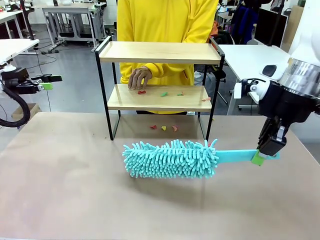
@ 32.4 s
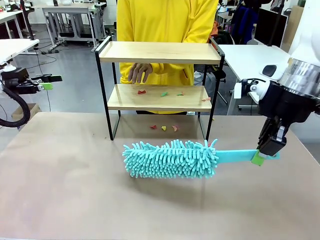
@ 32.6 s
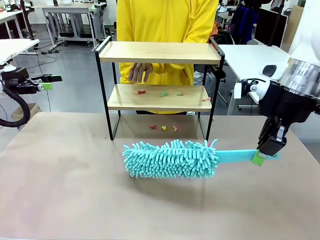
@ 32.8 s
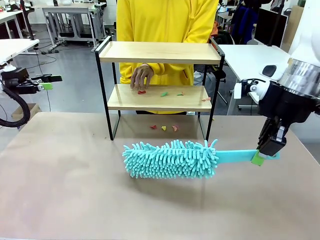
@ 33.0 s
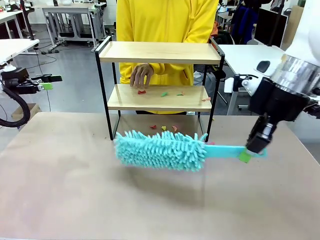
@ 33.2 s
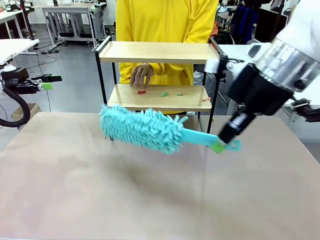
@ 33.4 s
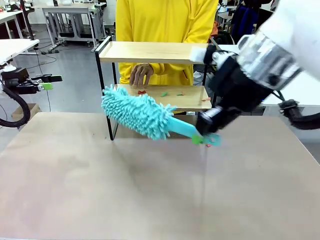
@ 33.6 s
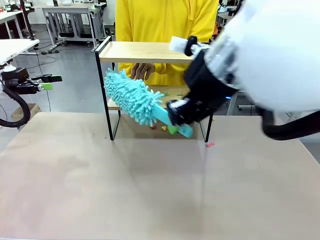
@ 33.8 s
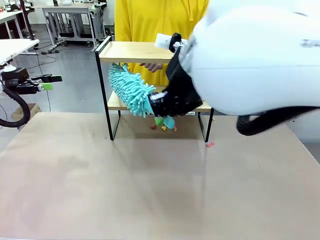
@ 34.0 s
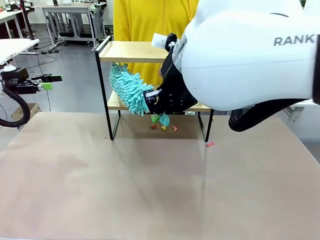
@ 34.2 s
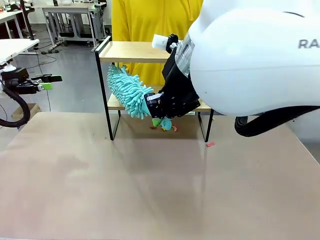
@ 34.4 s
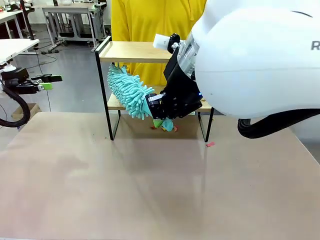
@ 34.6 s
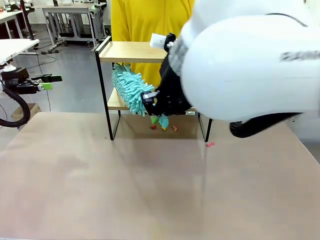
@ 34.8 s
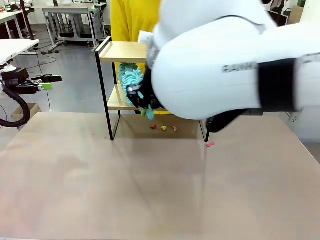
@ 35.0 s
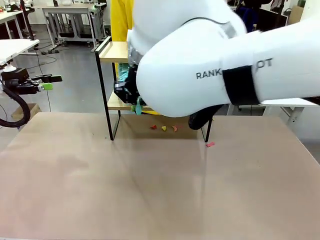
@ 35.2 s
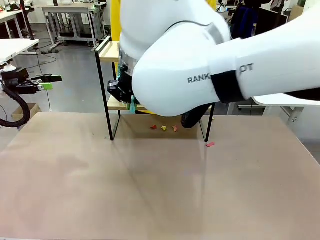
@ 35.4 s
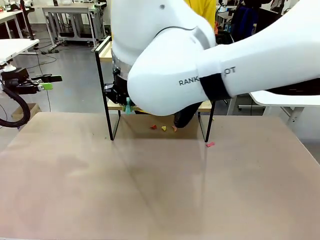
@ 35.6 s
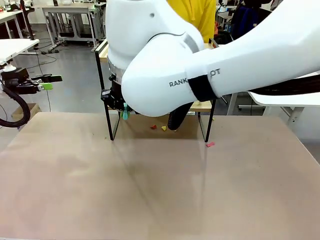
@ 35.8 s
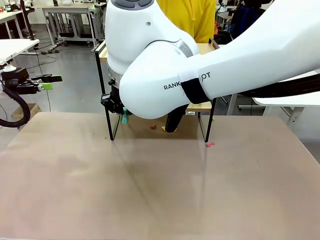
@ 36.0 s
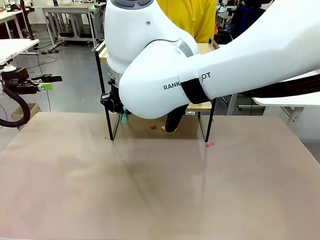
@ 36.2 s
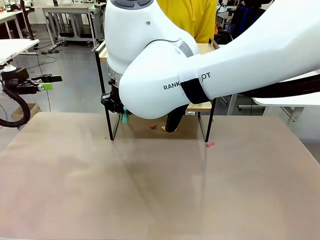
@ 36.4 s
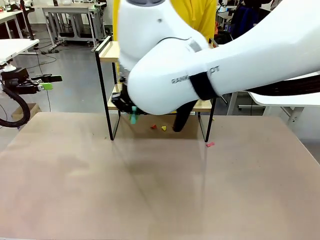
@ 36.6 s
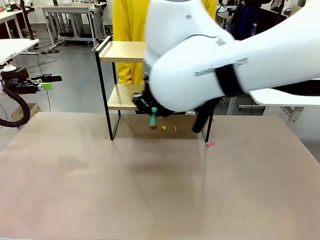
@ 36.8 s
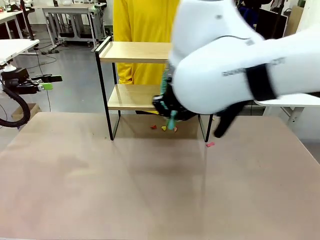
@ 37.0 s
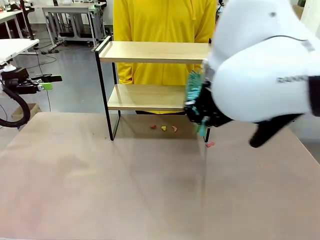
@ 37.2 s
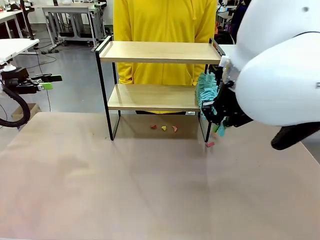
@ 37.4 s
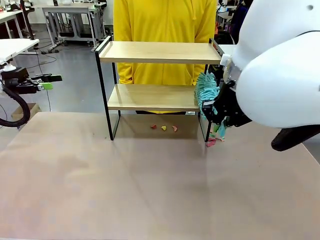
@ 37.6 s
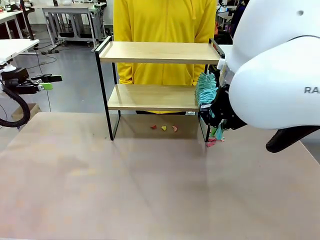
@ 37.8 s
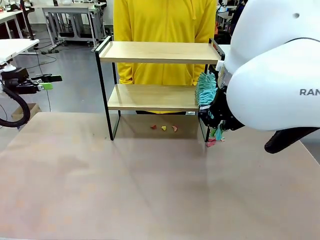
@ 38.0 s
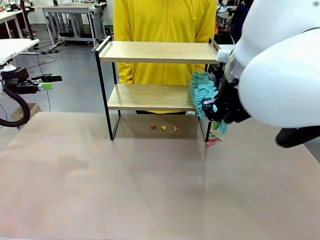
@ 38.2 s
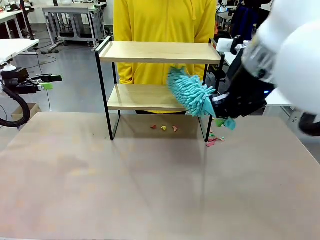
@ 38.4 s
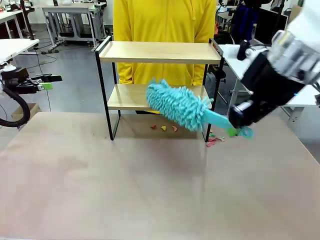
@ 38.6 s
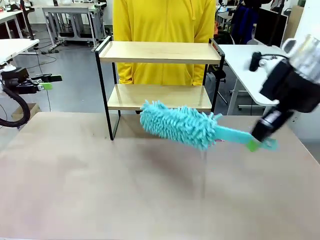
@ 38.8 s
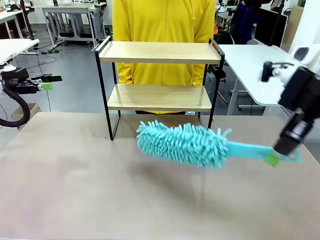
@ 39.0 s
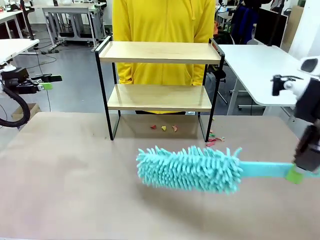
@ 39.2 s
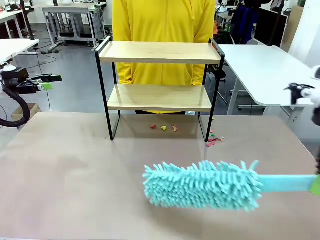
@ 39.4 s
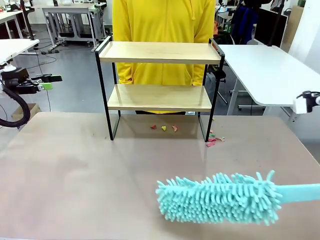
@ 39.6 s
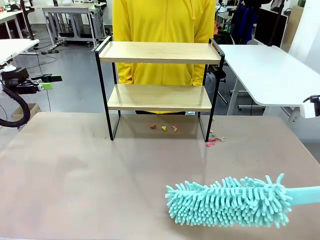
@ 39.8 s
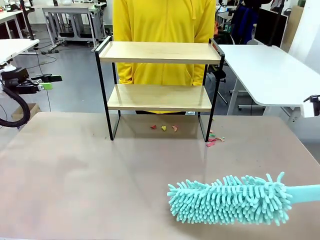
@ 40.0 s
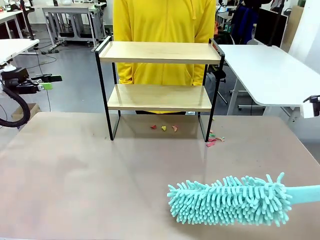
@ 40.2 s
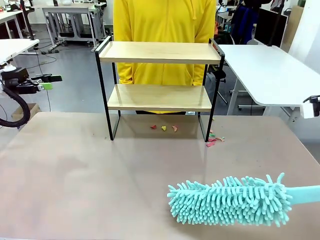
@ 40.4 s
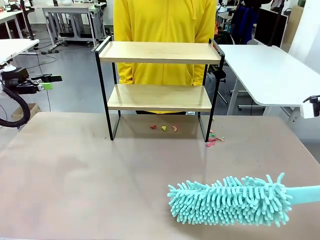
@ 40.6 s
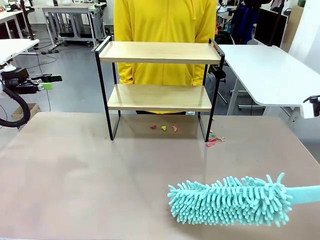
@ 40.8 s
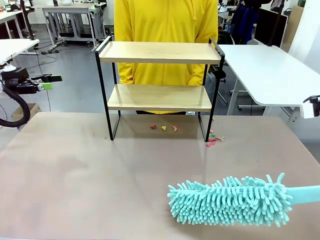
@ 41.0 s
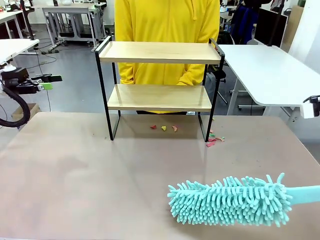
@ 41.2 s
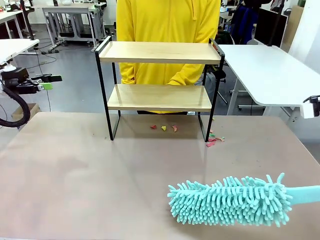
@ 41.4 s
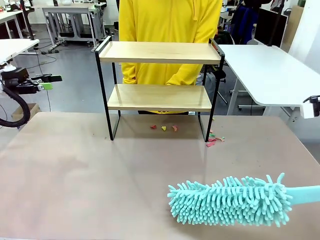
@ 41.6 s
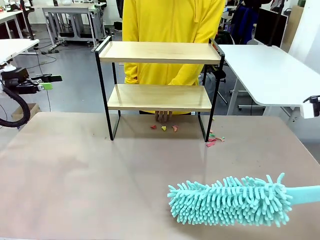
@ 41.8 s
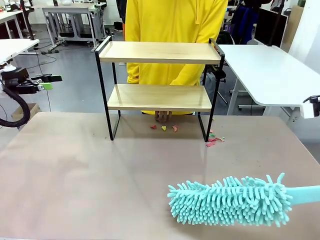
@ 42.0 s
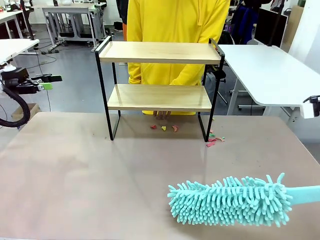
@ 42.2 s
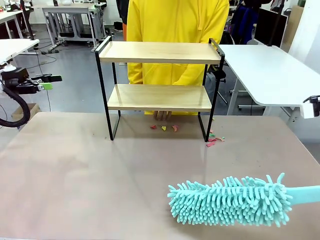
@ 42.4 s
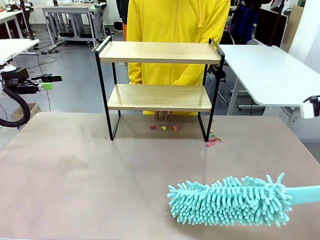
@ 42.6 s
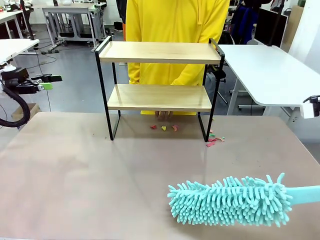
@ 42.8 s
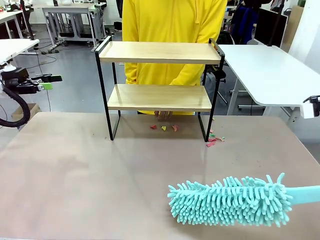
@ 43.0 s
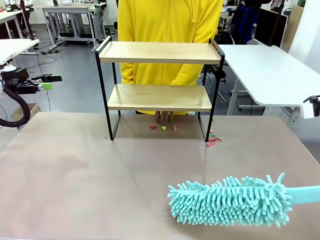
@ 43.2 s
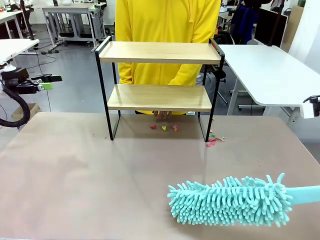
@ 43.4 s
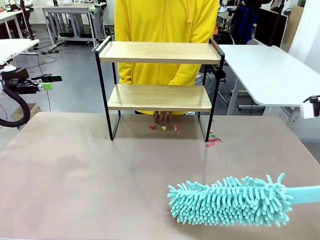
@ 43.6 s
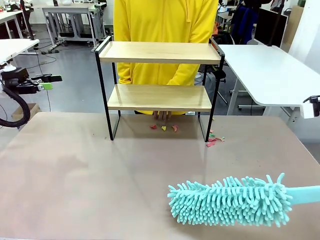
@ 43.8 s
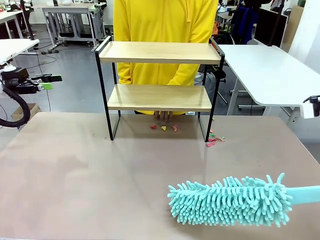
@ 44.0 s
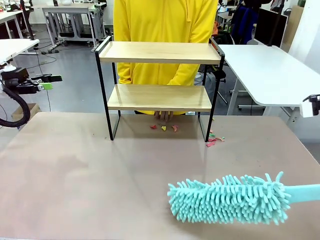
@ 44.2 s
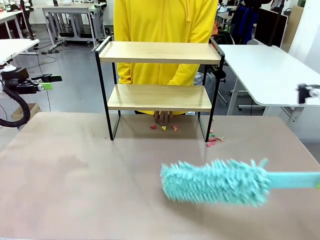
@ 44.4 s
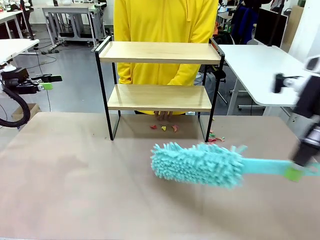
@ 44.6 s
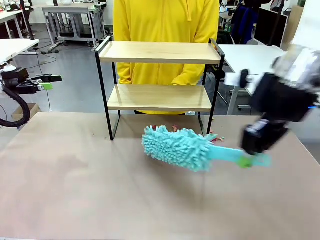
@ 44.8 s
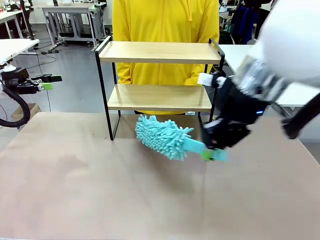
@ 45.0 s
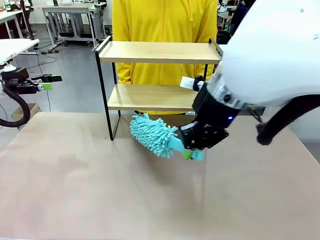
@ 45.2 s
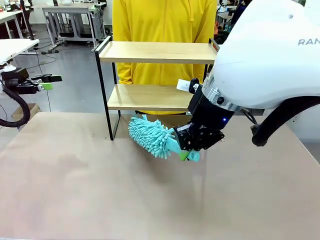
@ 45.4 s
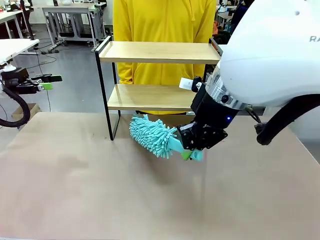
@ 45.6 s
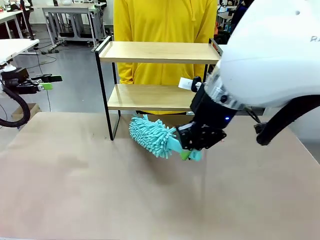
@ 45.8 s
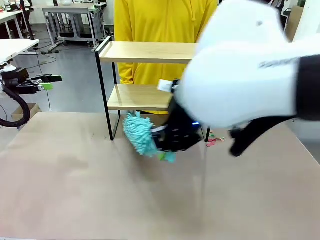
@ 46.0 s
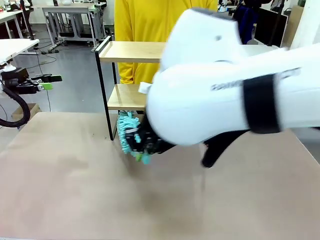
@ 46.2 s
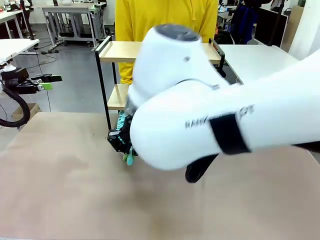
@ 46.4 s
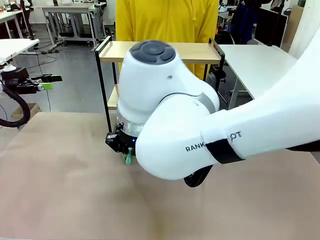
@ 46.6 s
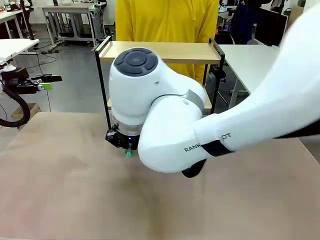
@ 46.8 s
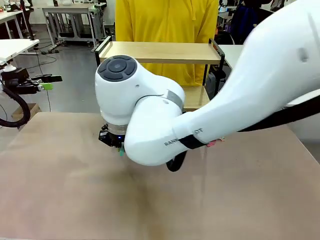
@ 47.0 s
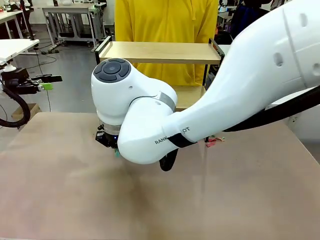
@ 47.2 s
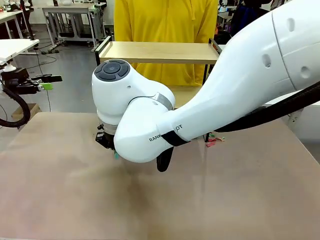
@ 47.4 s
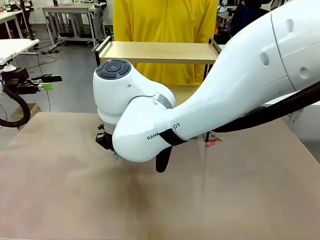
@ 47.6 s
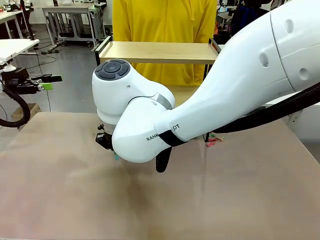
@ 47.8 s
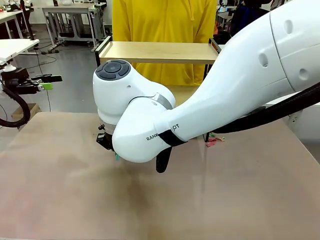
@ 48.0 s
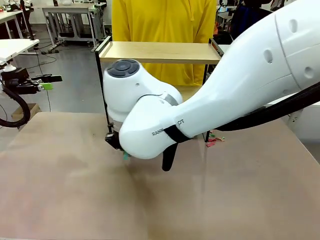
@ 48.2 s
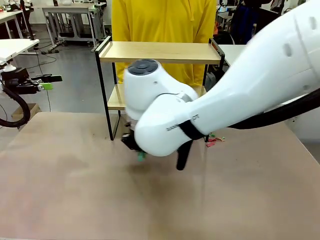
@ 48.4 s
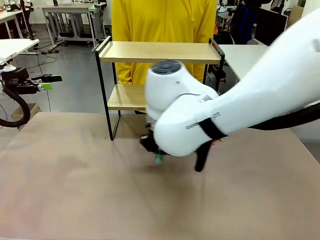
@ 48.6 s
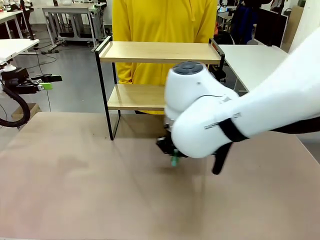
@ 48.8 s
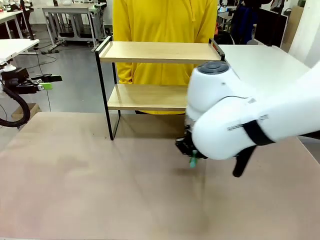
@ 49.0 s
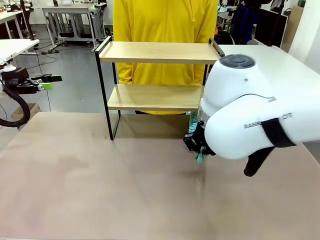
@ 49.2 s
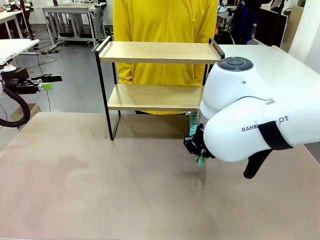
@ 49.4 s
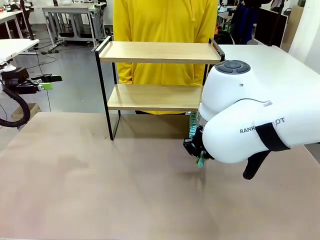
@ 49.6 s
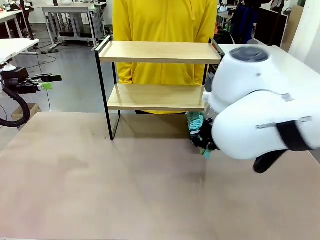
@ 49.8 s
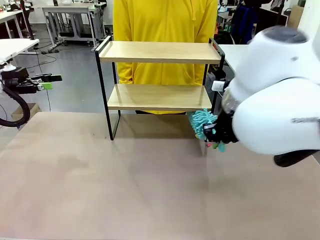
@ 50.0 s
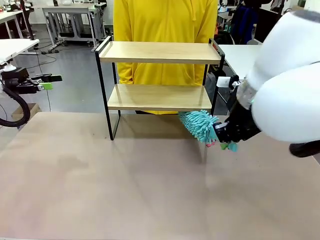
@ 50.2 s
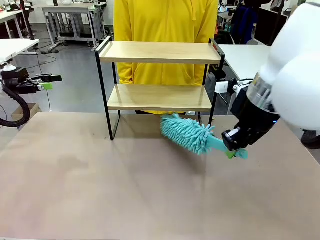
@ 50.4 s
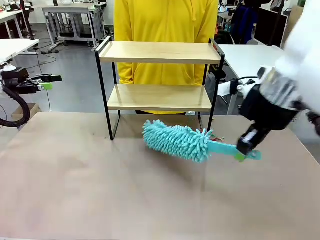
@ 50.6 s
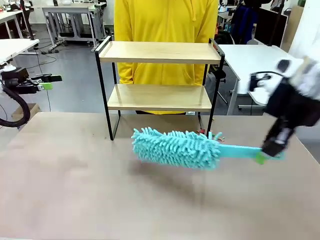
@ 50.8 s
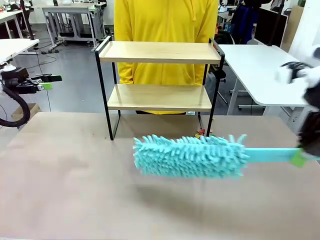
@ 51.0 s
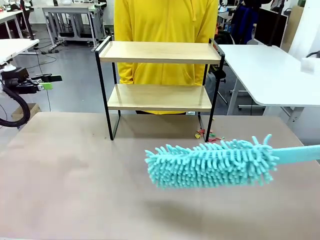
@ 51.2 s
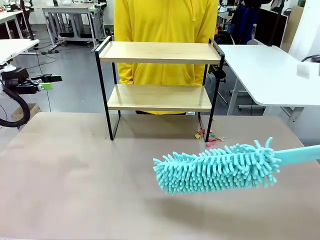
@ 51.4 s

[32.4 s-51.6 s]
Task: Clean the shelf.
Robot: Clean the specific section of the Shelf indicated by the human with the Duster.
Person: Point a remaining section of the Shelf.
